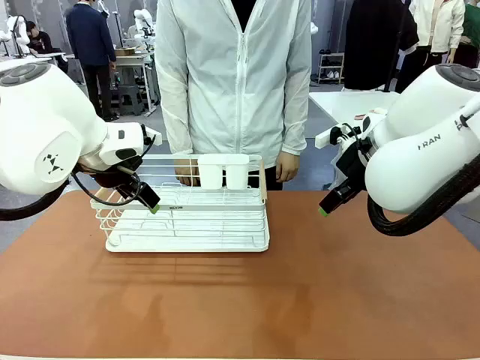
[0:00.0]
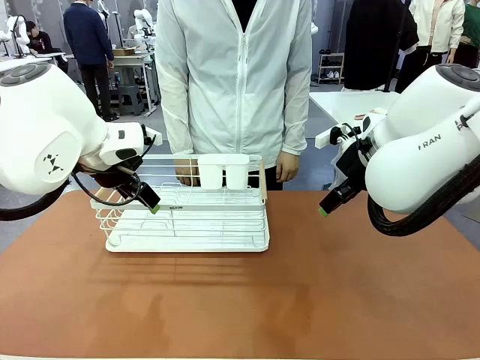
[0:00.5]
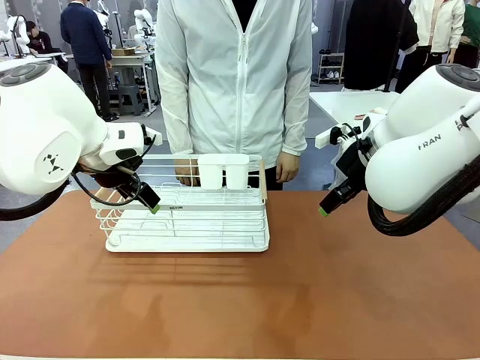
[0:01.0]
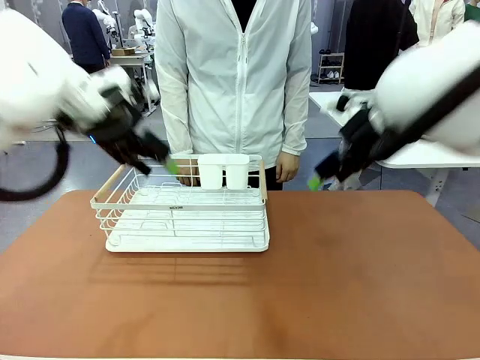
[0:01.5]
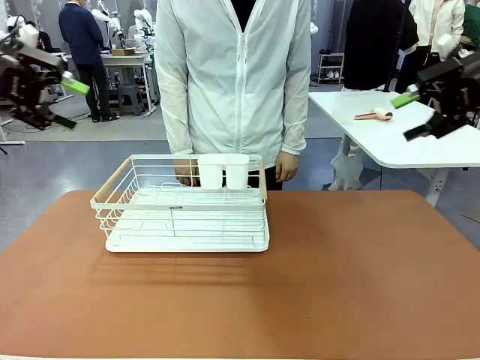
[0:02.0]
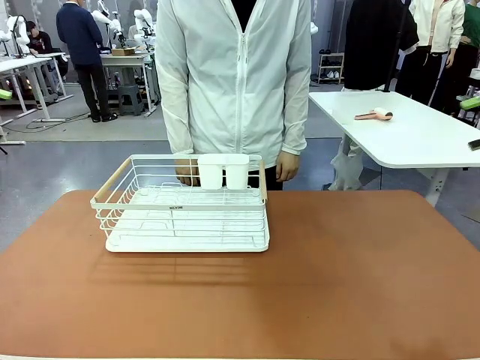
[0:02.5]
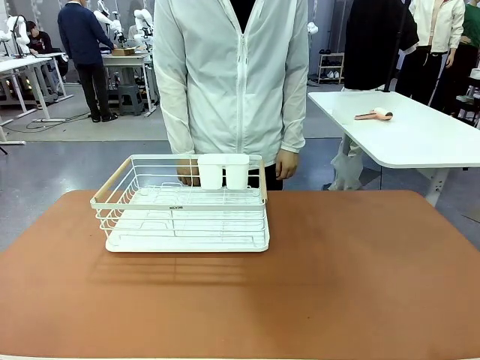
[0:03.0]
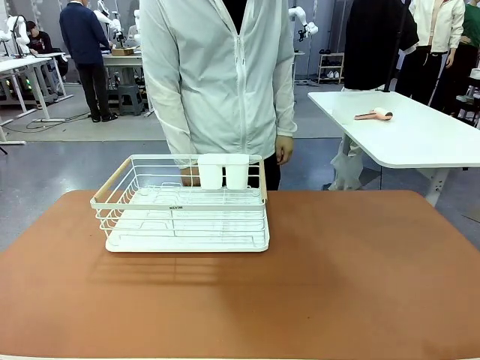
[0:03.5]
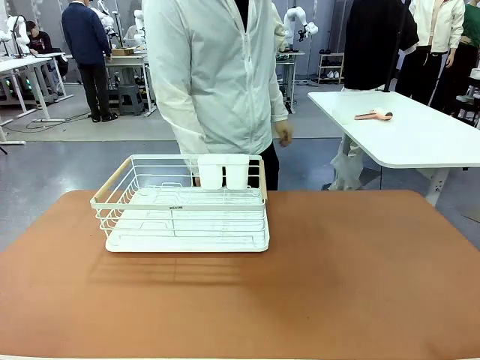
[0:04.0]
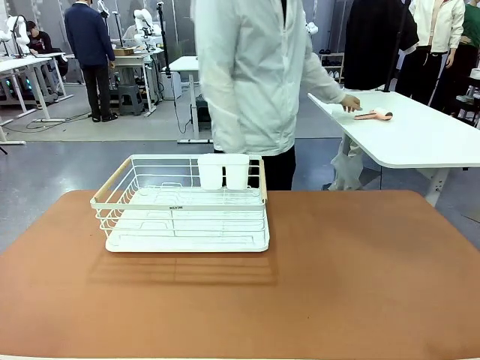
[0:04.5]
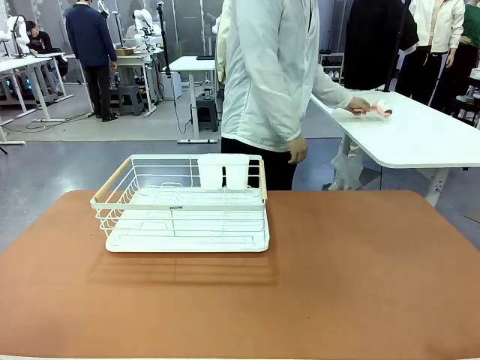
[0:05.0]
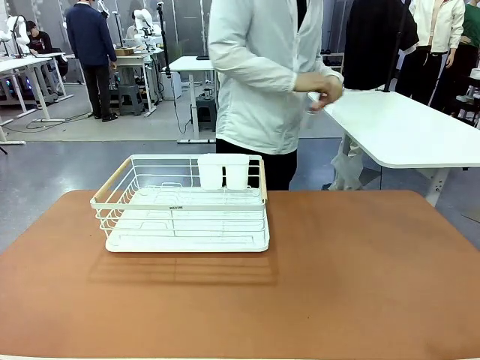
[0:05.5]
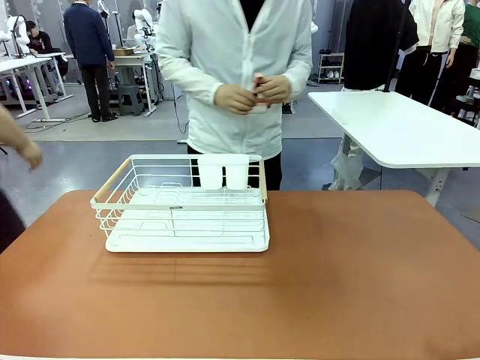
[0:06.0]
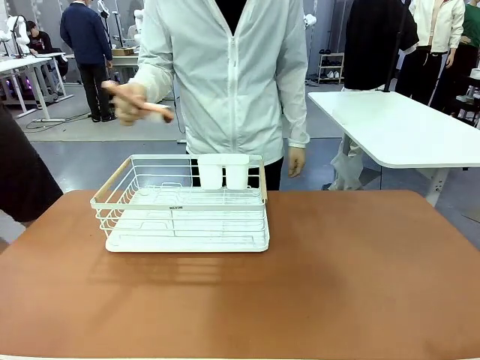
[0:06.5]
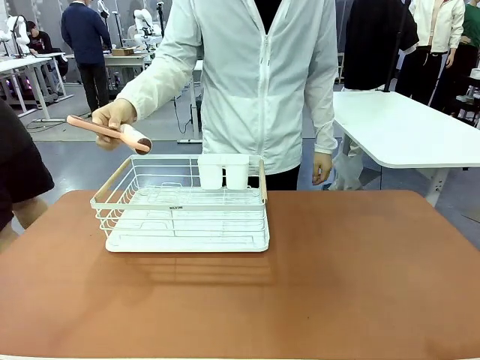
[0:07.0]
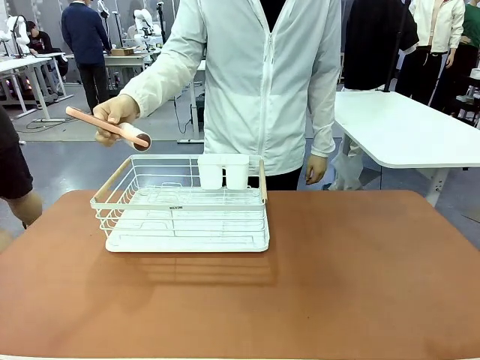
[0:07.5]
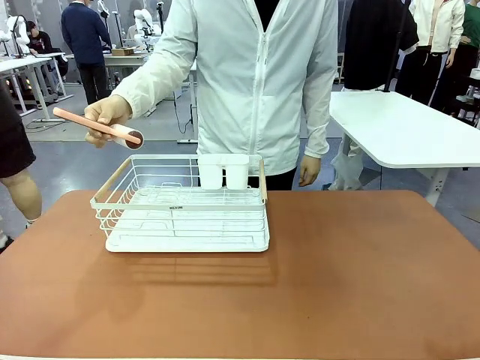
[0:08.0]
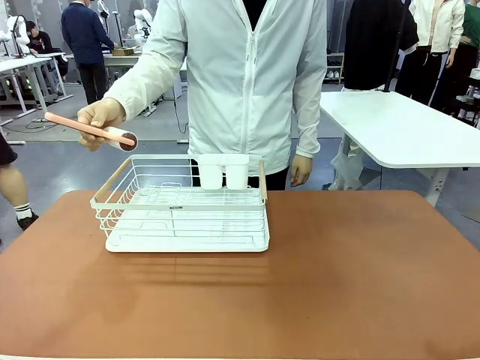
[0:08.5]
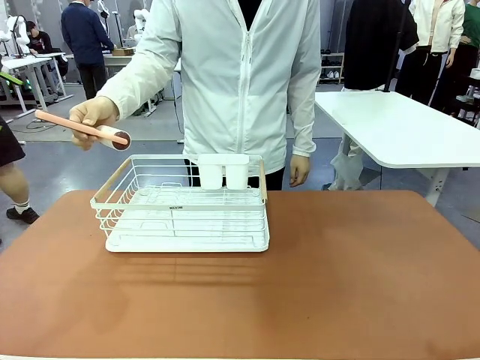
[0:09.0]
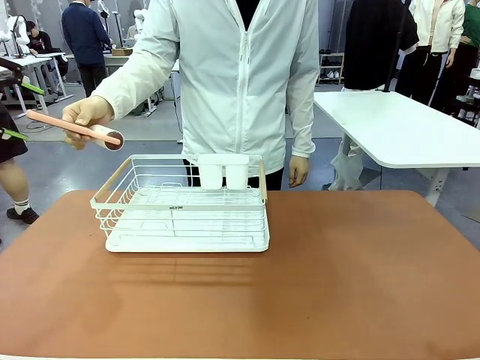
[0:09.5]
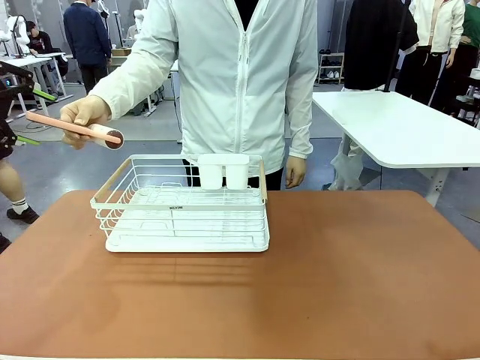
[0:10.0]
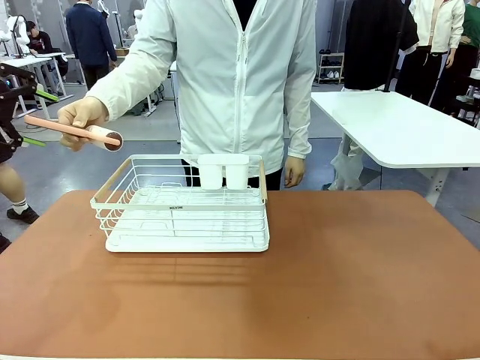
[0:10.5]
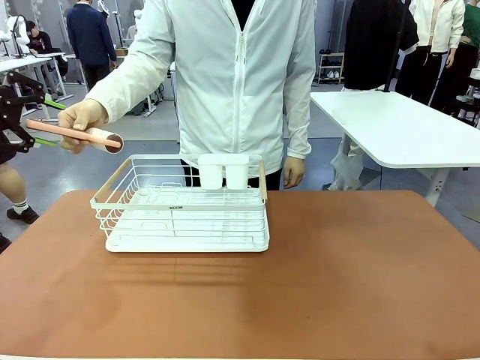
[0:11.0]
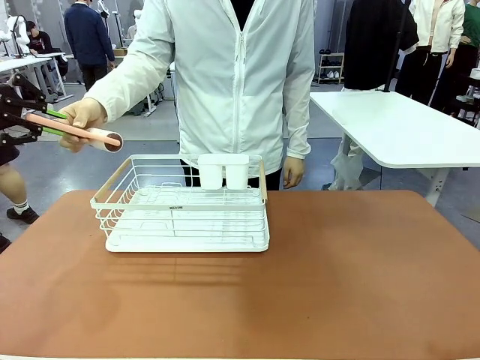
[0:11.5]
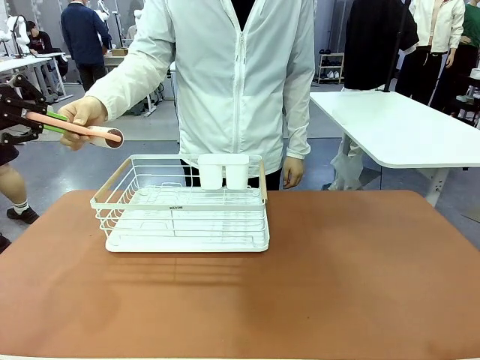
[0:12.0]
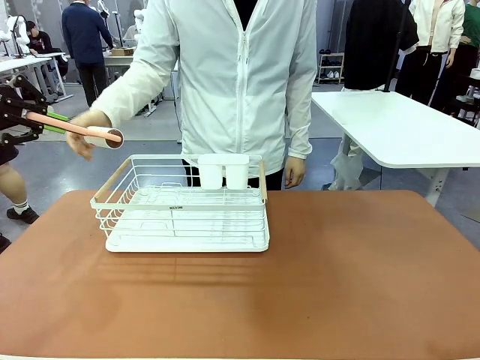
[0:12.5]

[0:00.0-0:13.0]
Task: Clean the table.
Robot: Pick up the Lint Roller when the human hands it over.
Person: Hand the Lint Roller to the robot so it can easily pick it up. Lift the Dish drying rack.

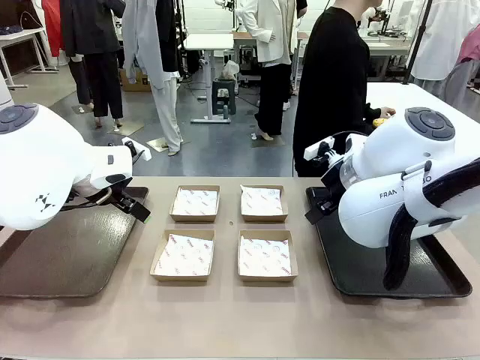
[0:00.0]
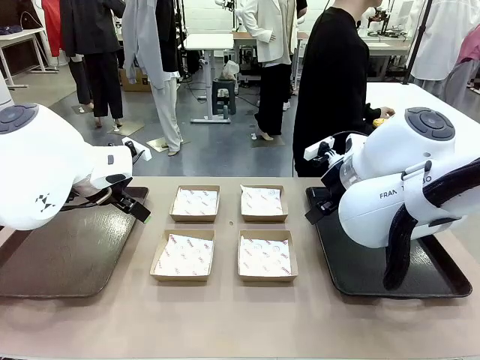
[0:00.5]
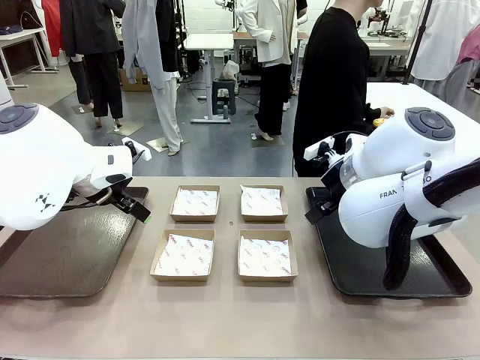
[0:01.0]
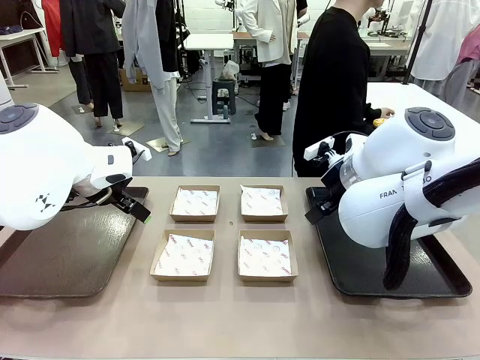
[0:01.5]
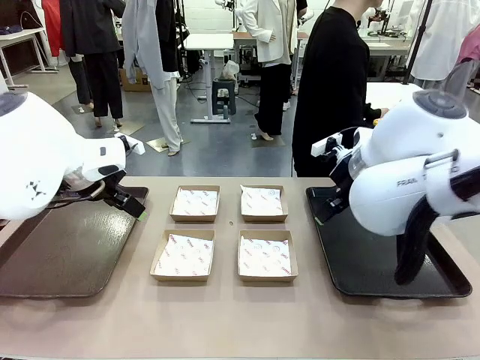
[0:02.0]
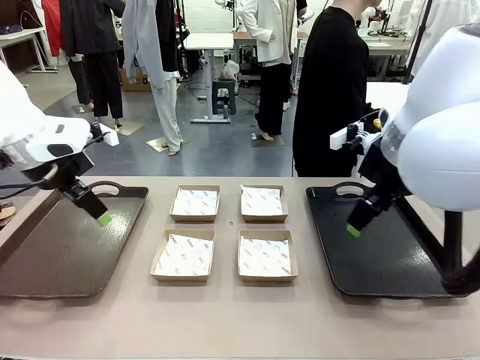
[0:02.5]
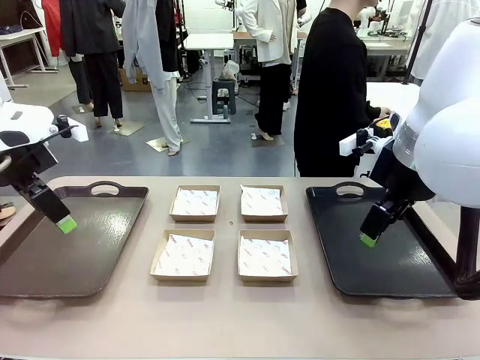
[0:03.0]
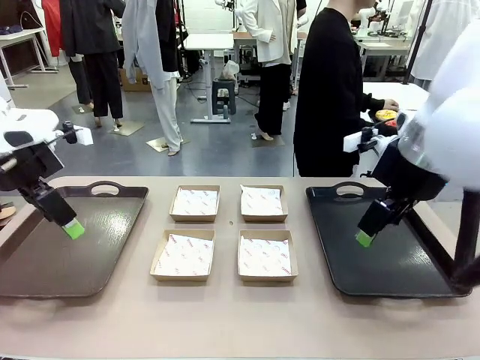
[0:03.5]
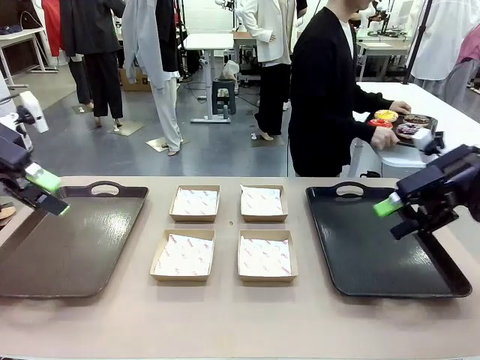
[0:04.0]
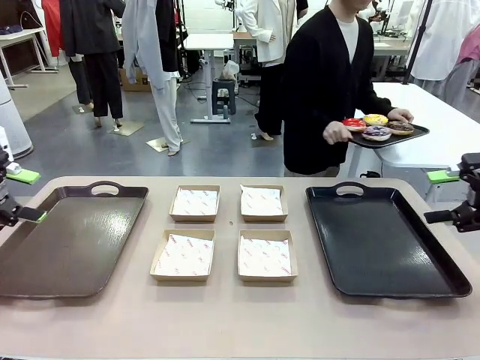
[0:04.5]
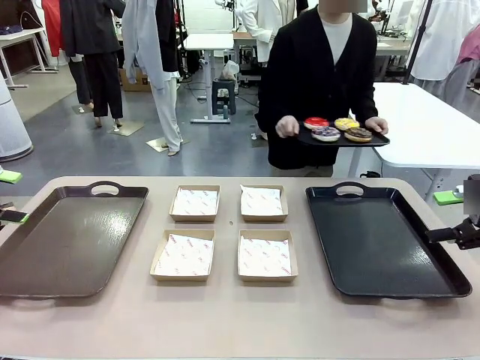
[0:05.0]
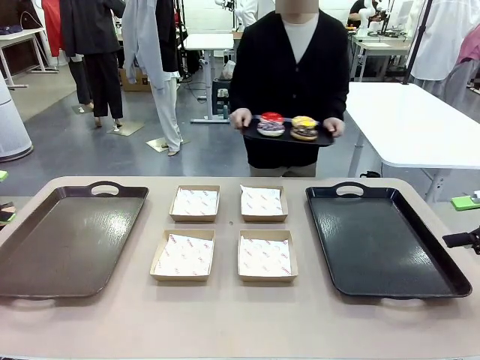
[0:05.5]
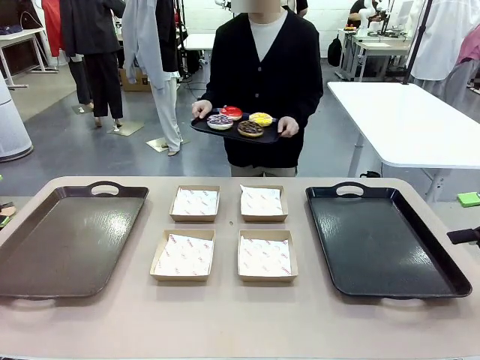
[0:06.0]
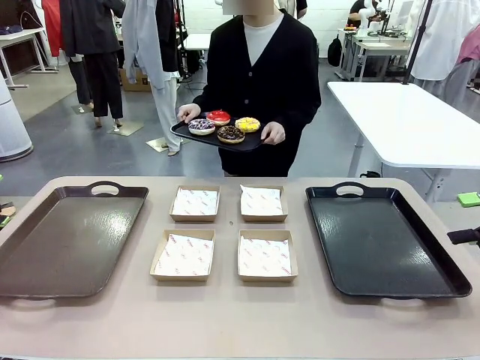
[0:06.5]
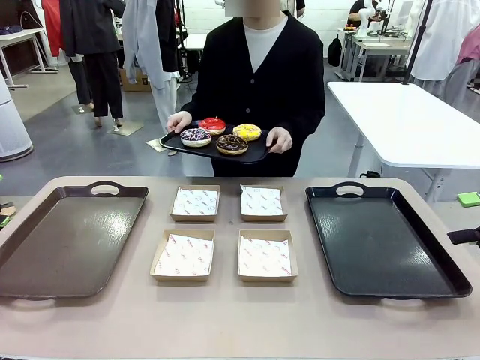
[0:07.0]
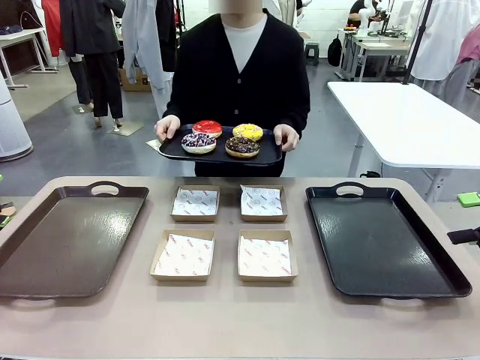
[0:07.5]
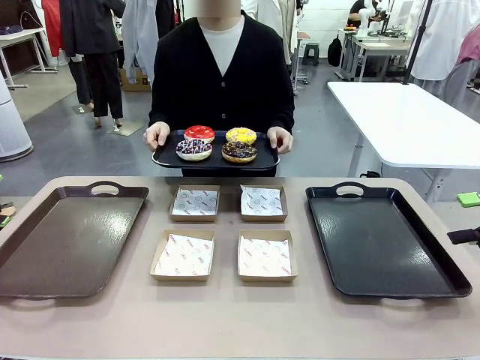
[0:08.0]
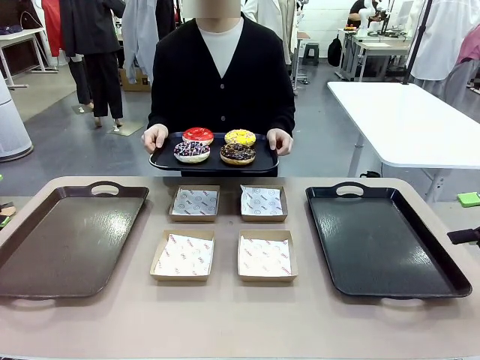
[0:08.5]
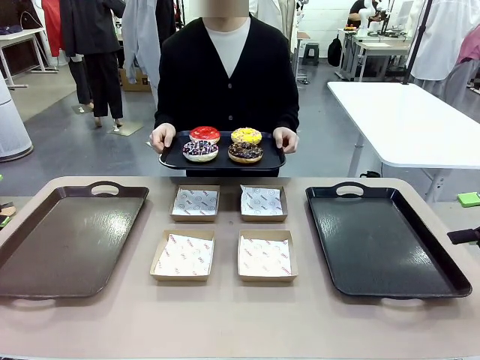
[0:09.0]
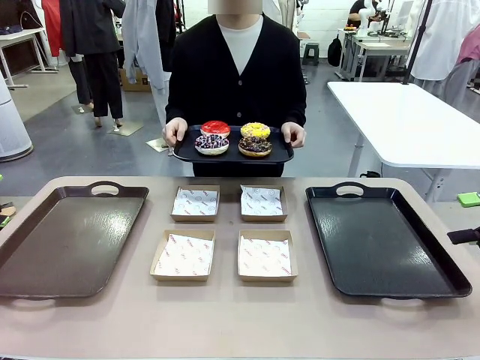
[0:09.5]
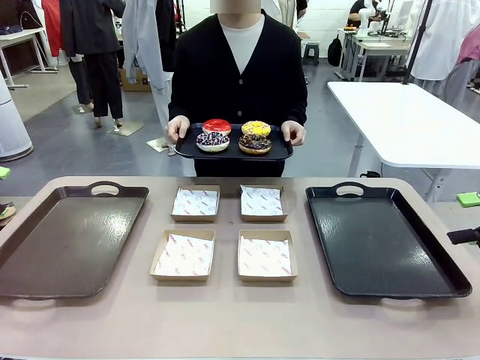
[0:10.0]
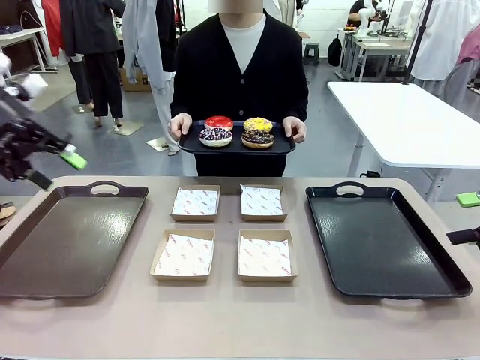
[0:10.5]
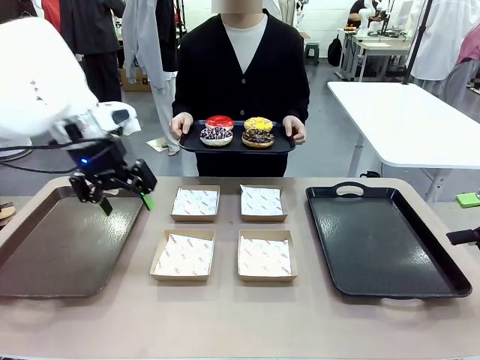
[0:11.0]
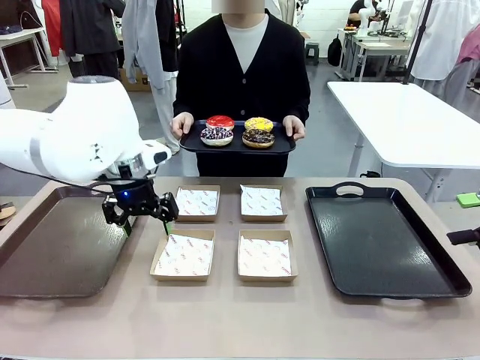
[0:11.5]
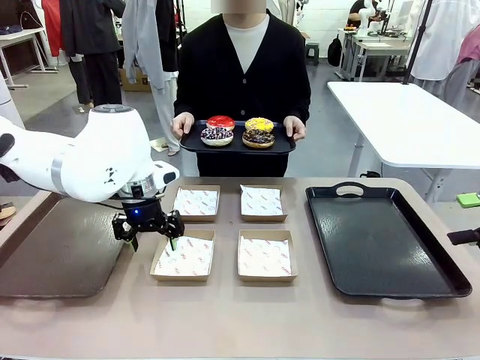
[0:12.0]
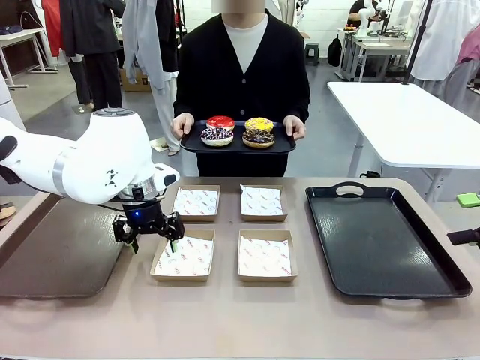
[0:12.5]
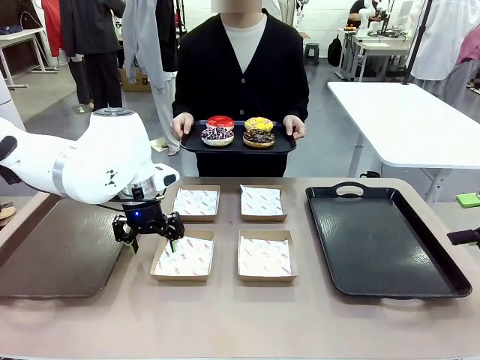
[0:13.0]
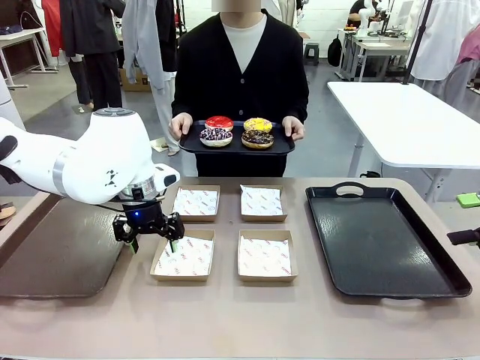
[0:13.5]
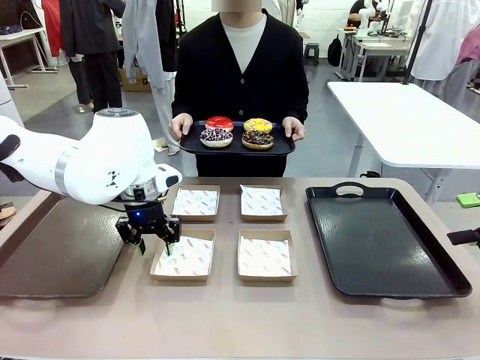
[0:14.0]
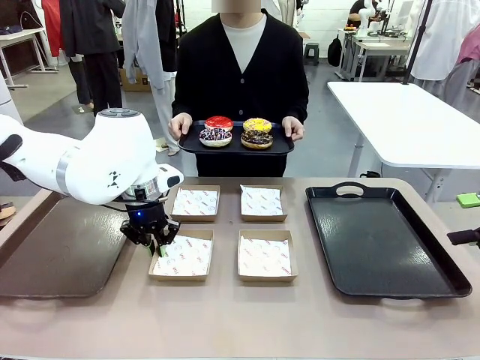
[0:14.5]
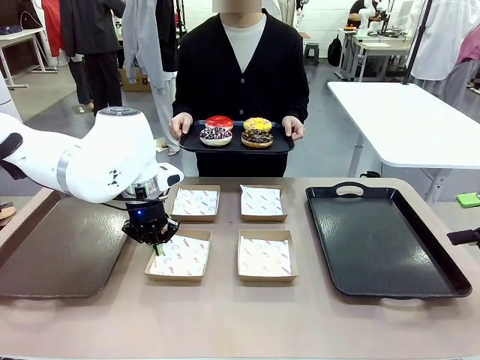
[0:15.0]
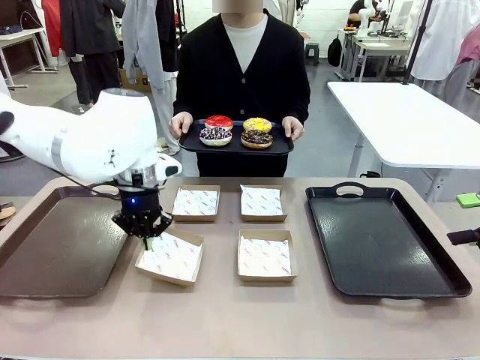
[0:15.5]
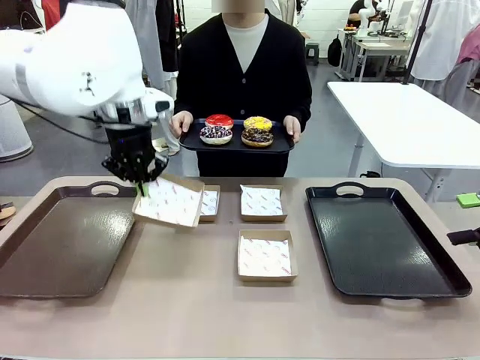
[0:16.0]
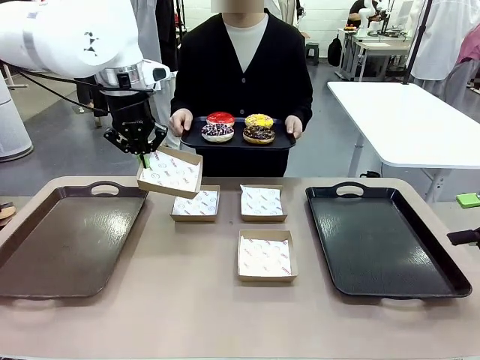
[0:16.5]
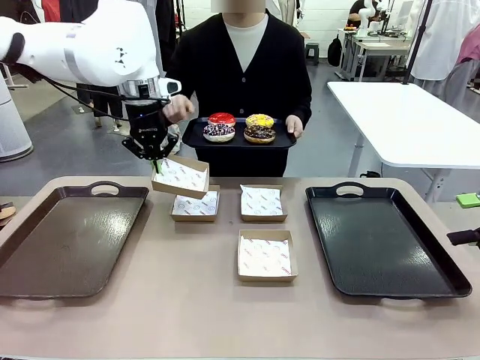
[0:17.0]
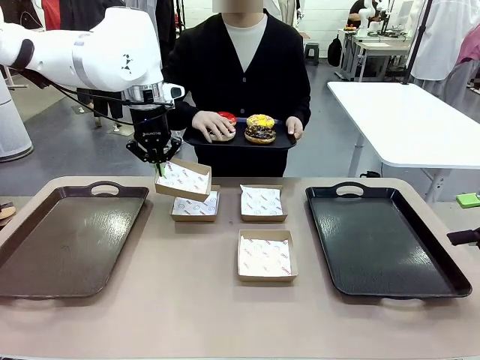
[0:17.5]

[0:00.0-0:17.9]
Task: Individually package the donuts and arrange them on the tray.
Robot: Pick up one Paper togo box.
Person: Stand in front of the robot table holding the tray containing the donuts.
